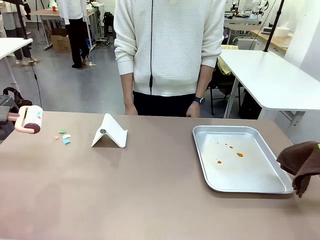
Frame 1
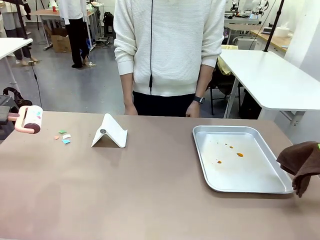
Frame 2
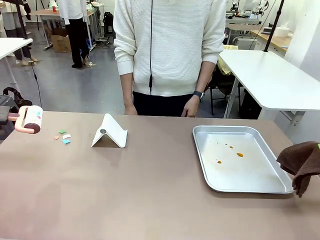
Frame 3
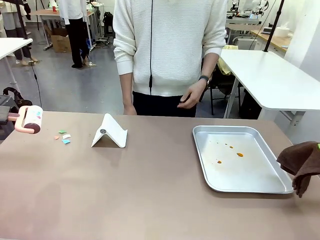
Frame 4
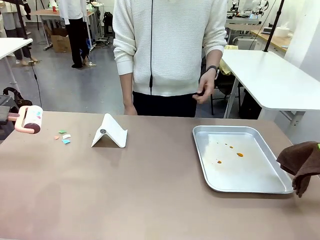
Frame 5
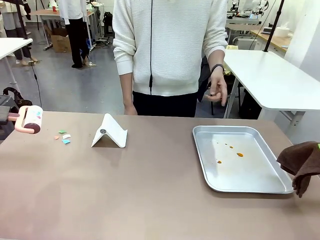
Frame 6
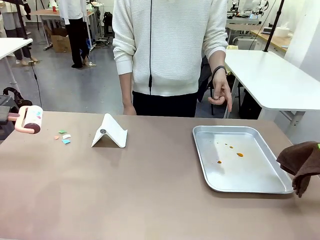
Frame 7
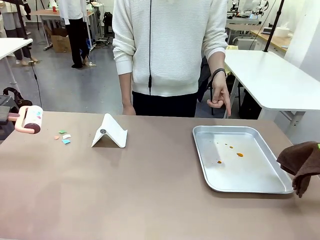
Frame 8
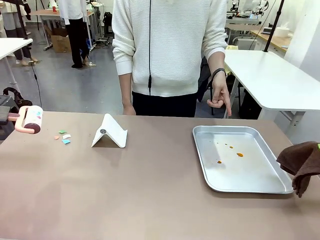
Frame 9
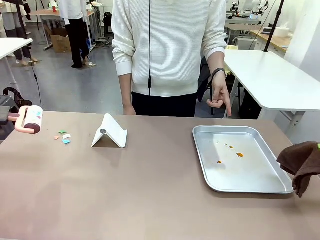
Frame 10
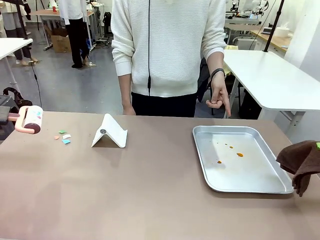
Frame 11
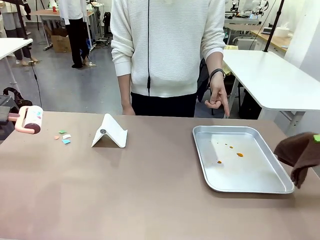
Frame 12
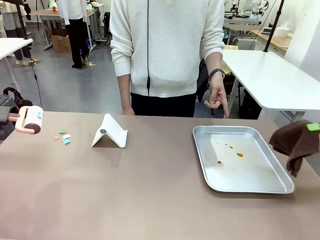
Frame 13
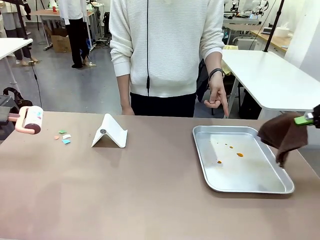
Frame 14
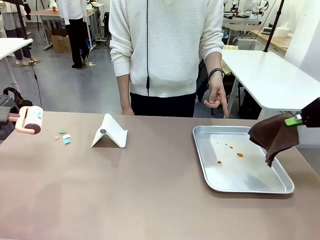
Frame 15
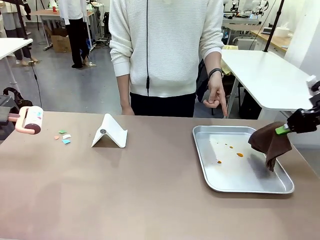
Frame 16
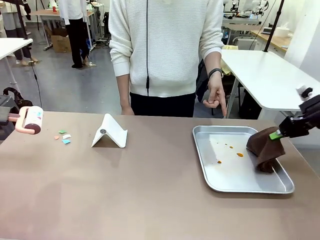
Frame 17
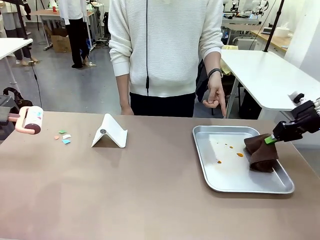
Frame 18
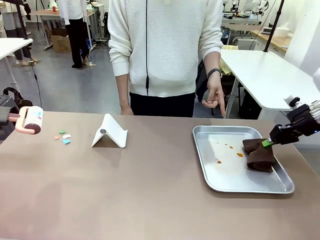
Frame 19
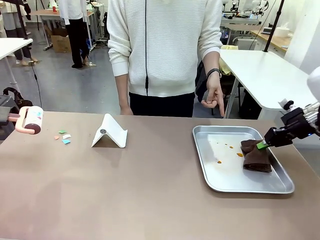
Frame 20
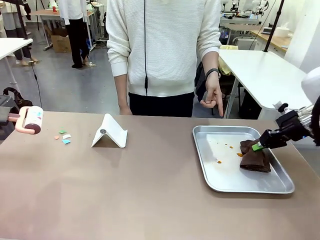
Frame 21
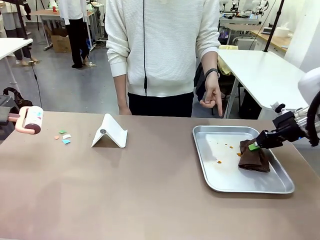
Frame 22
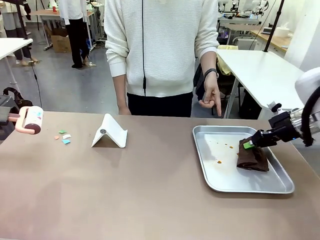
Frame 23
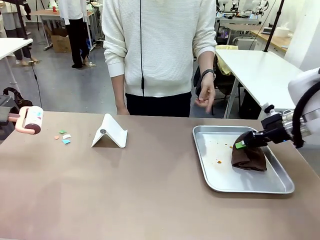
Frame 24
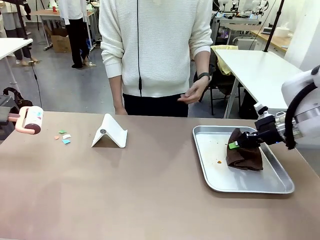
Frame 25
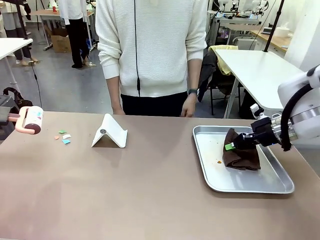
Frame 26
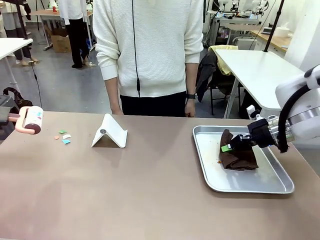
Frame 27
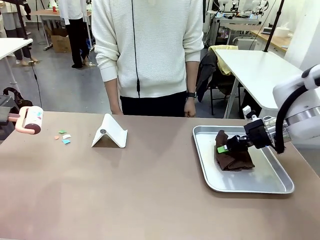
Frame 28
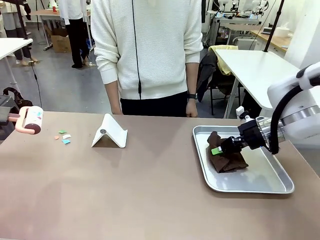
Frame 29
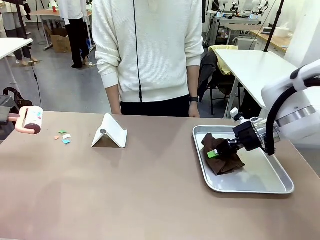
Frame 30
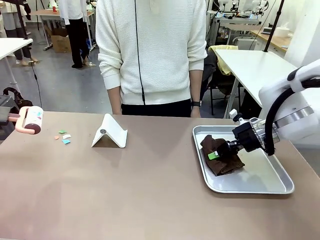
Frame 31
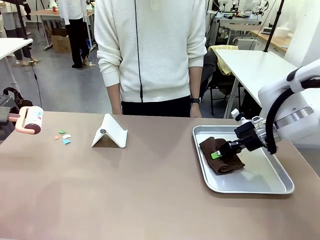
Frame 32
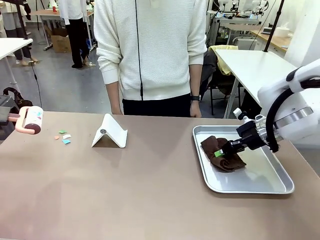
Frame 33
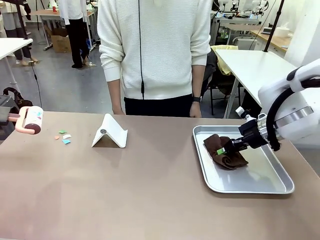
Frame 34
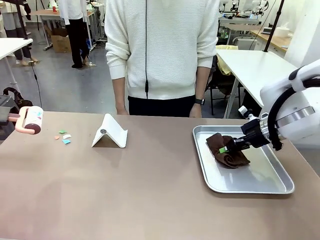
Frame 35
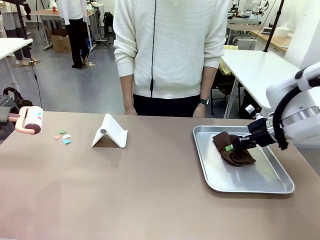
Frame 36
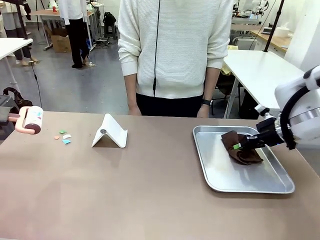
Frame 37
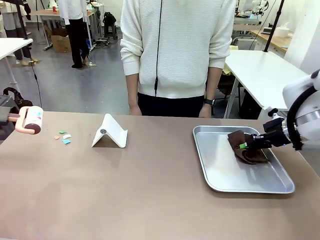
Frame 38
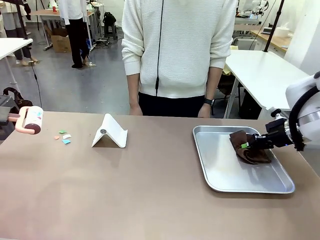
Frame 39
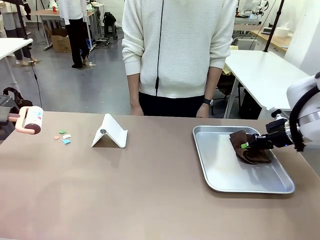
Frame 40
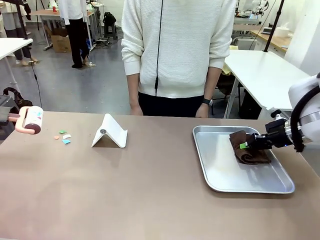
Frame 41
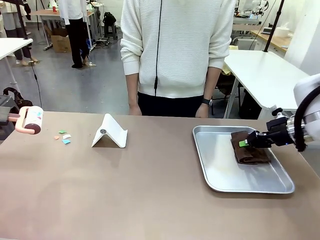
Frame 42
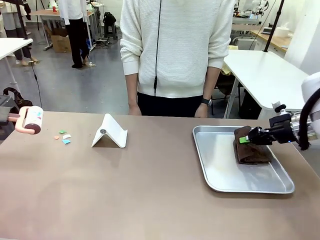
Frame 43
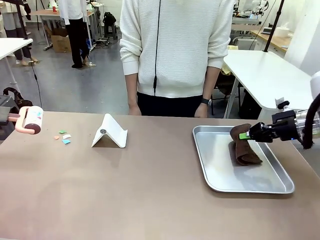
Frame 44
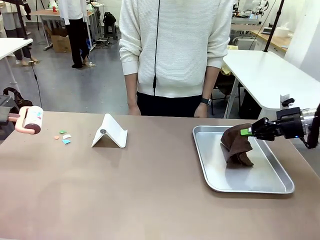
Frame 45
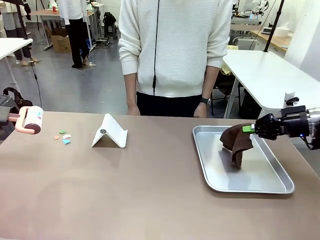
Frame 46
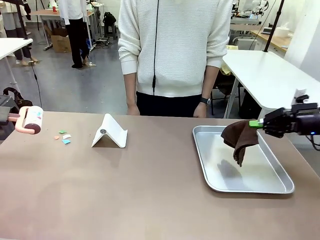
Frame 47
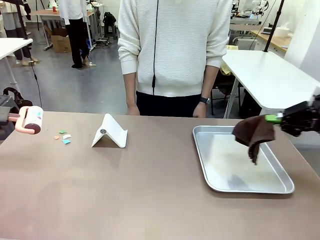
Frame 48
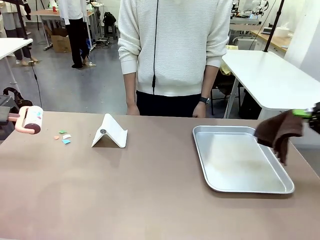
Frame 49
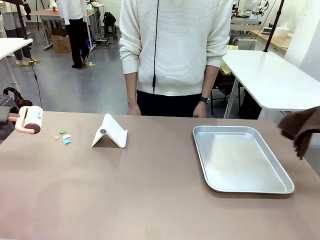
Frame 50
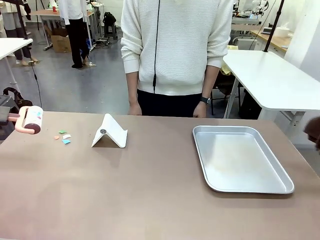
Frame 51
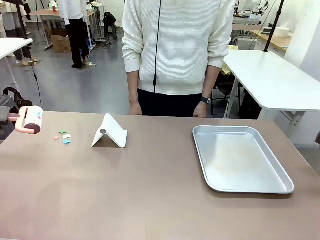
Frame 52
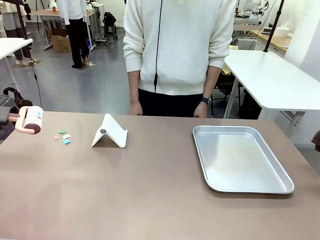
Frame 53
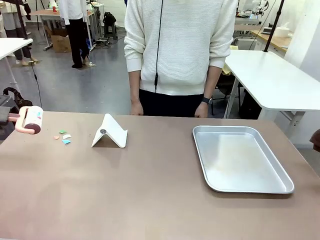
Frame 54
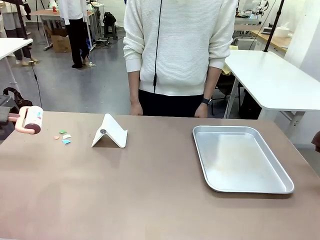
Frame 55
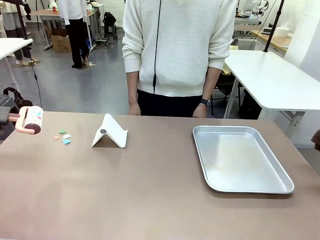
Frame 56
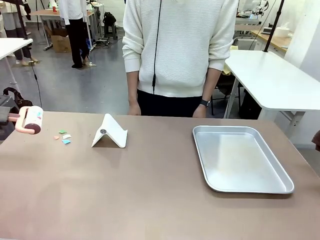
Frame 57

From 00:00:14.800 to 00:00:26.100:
Task: Clean the surface of the table.
Robot: If a person points to the right, clean the right side of the table with your right hand, and if they point to the left, clean the left side with your left hand.

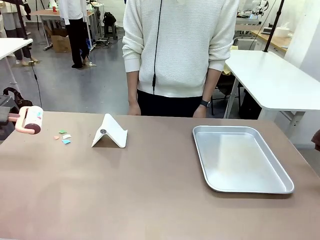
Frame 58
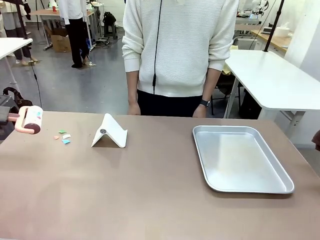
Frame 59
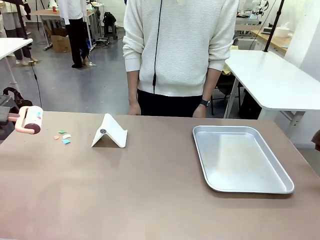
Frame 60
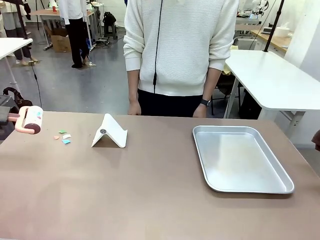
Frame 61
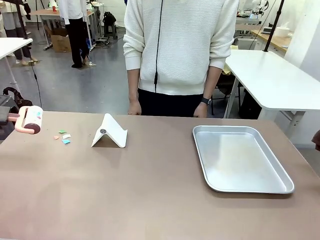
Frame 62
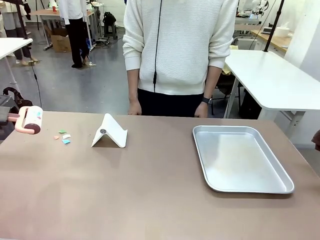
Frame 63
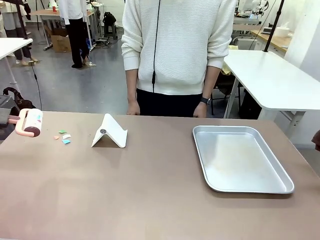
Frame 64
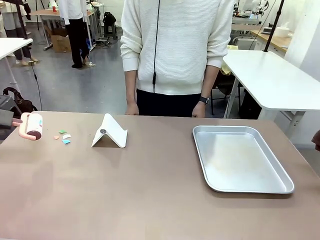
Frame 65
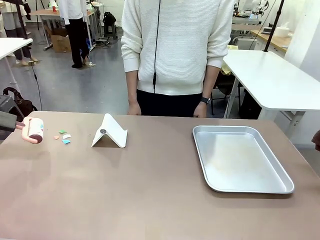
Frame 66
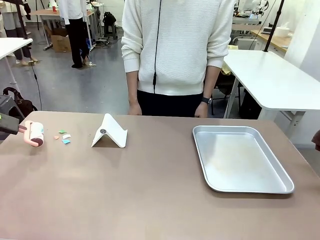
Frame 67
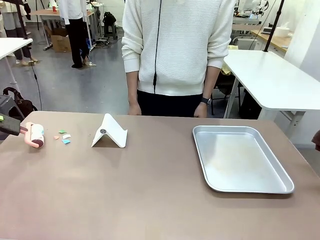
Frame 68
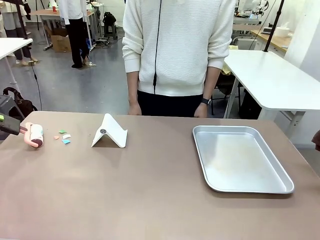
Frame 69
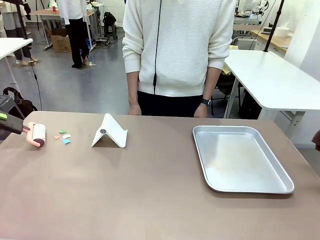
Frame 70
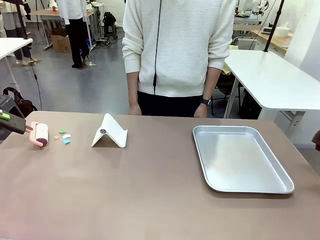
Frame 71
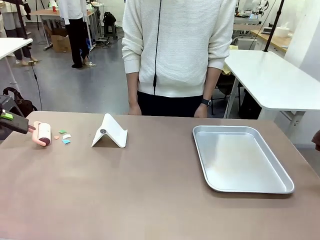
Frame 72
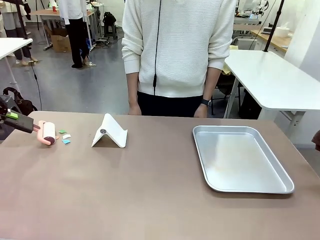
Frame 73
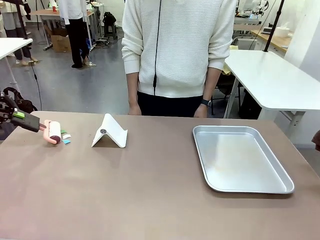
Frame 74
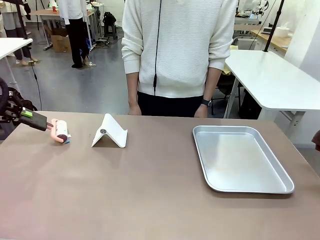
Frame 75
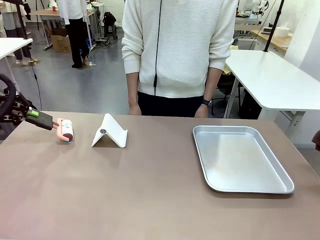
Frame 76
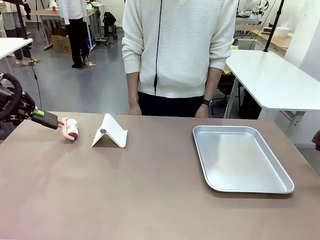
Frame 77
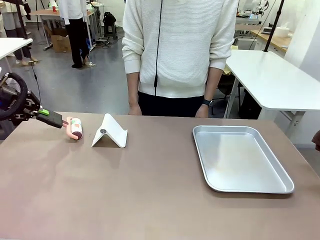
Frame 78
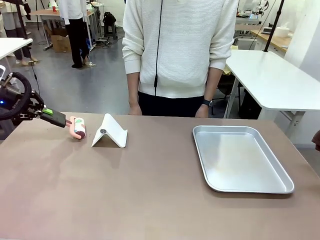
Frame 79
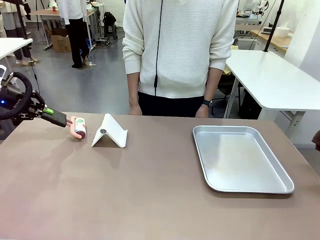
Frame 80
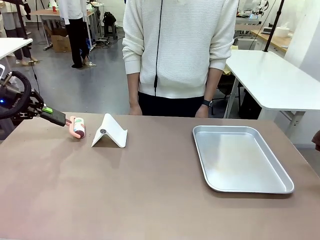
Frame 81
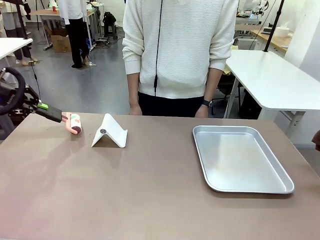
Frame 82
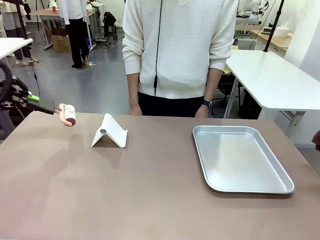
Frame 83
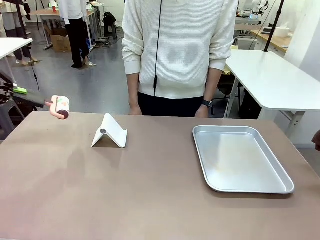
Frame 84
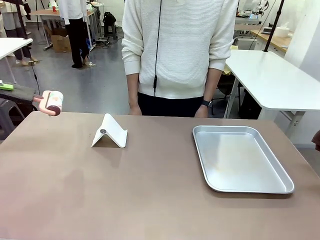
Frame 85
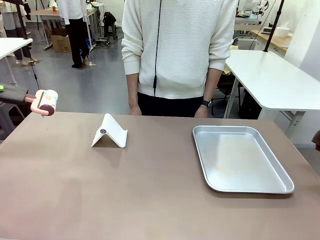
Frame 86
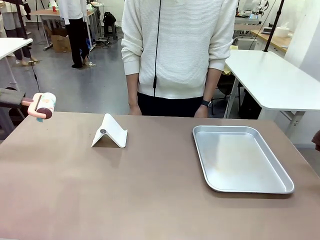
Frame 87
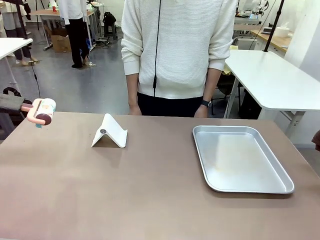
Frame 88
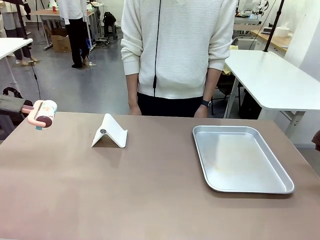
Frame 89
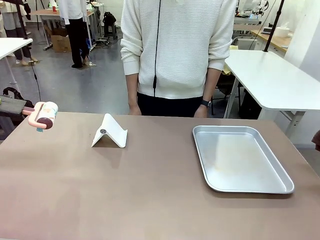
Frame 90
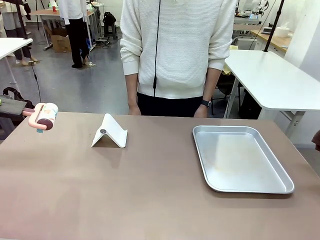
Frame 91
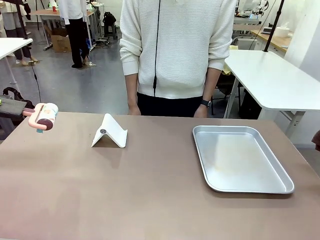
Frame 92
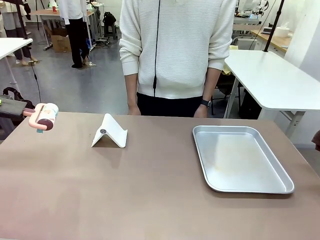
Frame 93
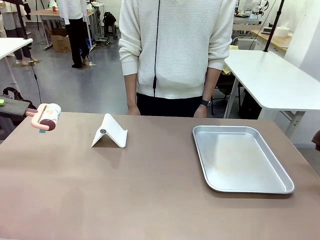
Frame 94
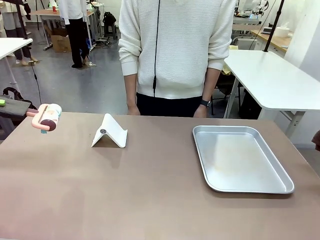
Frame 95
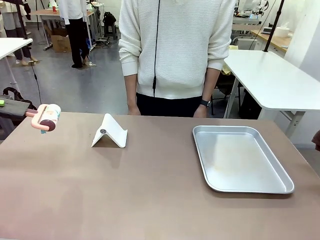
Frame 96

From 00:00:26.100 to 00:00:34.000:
Robot: Clean the area not pointed to by the person.
